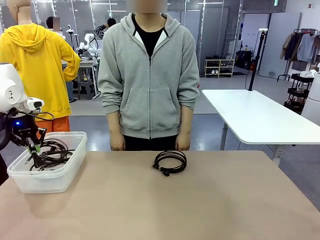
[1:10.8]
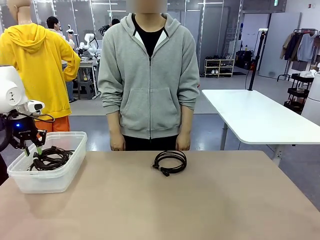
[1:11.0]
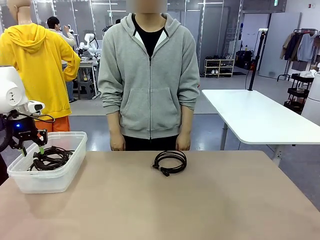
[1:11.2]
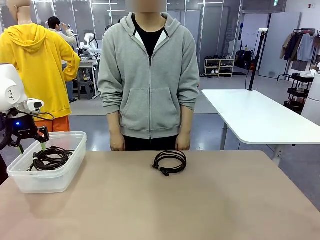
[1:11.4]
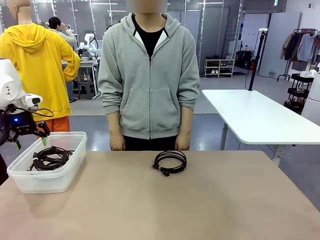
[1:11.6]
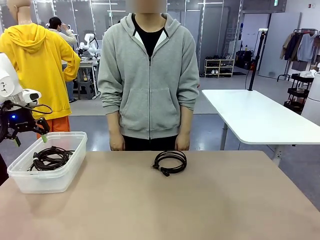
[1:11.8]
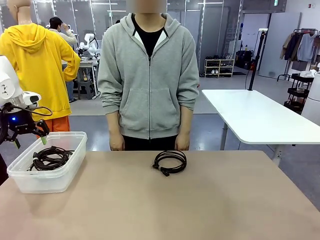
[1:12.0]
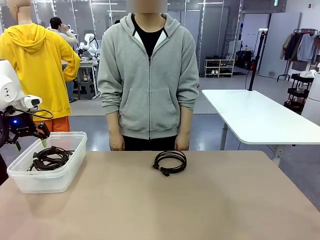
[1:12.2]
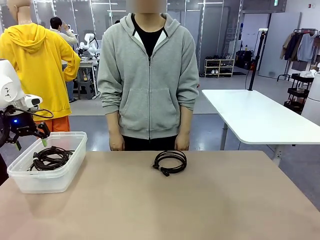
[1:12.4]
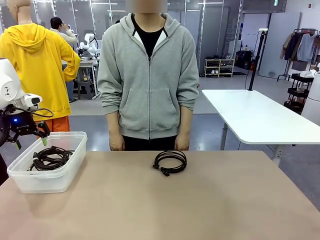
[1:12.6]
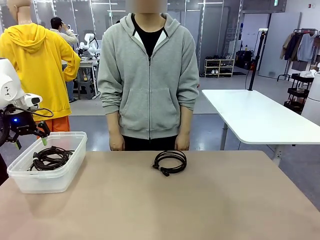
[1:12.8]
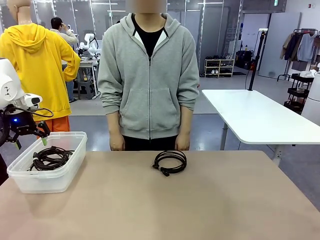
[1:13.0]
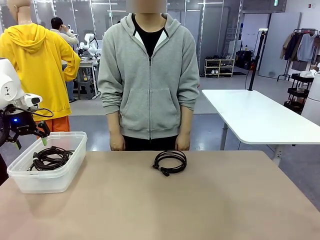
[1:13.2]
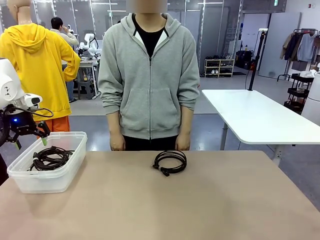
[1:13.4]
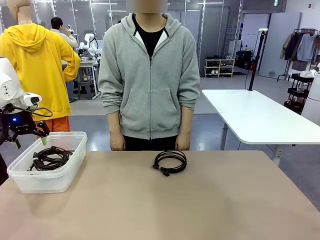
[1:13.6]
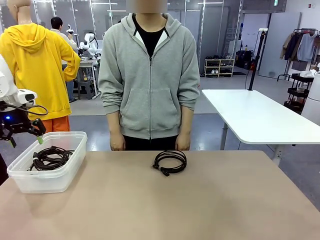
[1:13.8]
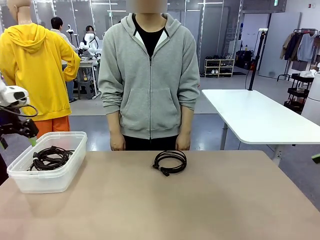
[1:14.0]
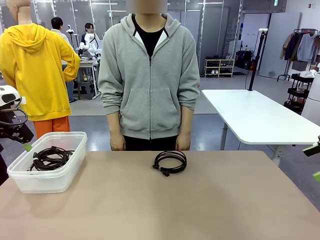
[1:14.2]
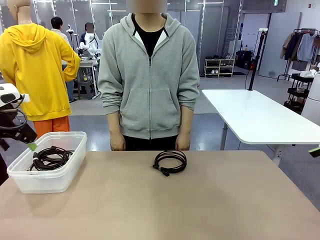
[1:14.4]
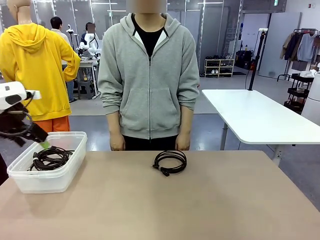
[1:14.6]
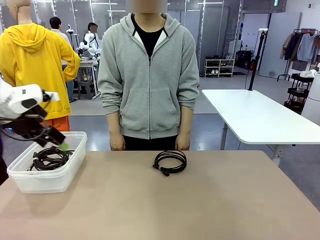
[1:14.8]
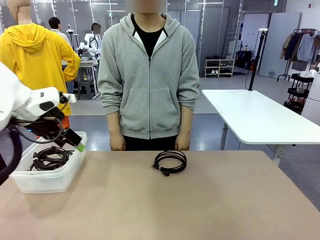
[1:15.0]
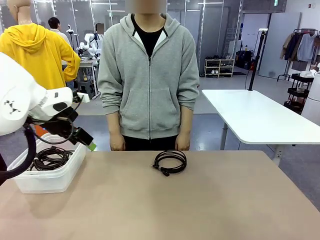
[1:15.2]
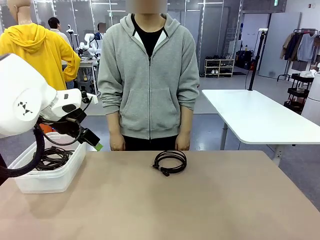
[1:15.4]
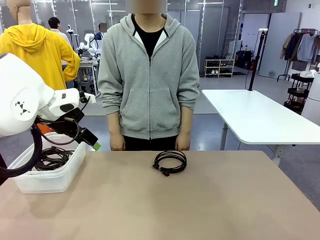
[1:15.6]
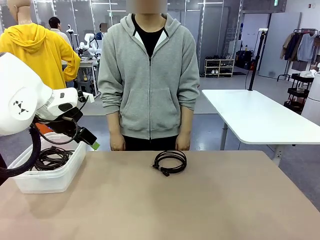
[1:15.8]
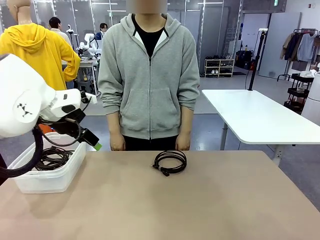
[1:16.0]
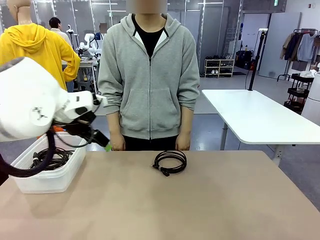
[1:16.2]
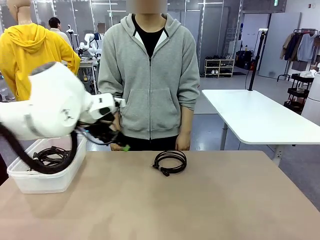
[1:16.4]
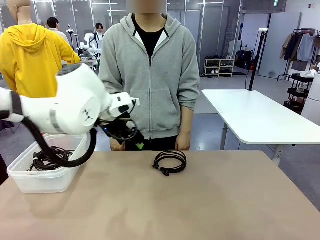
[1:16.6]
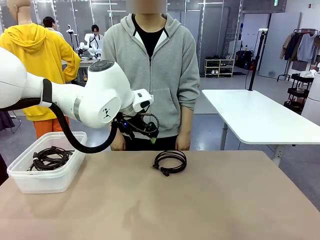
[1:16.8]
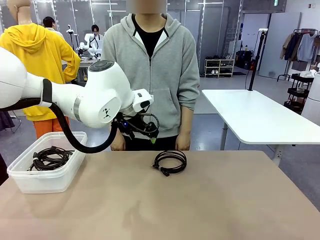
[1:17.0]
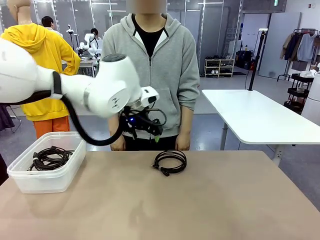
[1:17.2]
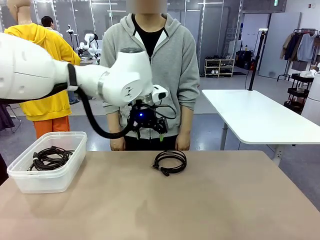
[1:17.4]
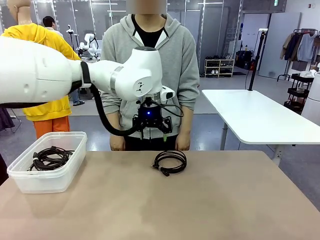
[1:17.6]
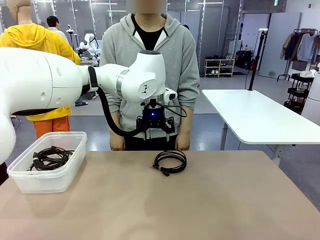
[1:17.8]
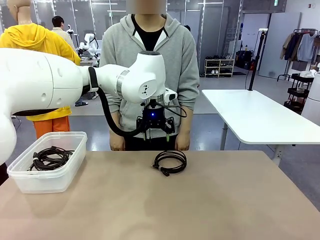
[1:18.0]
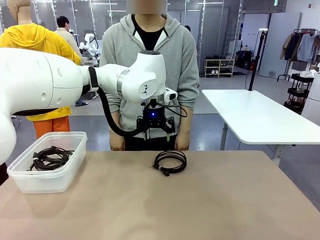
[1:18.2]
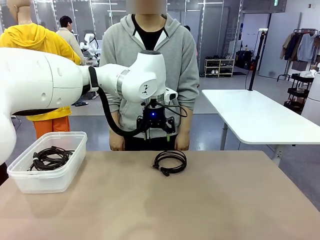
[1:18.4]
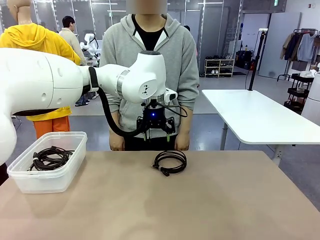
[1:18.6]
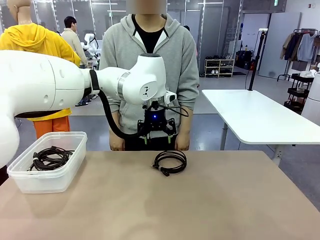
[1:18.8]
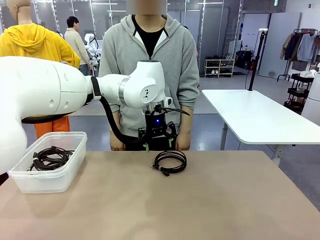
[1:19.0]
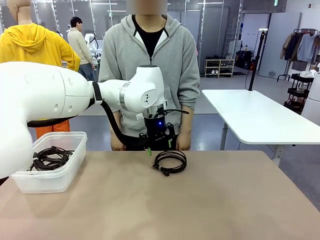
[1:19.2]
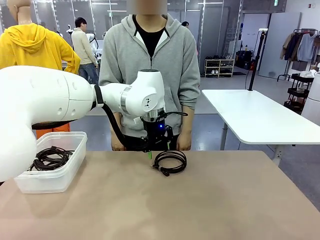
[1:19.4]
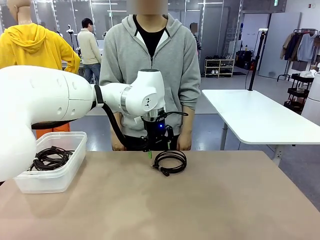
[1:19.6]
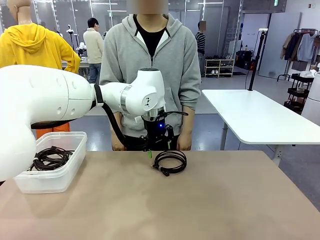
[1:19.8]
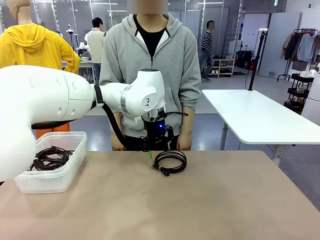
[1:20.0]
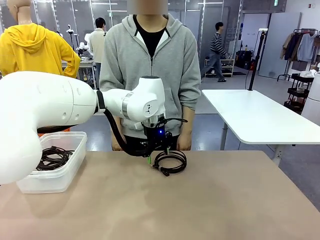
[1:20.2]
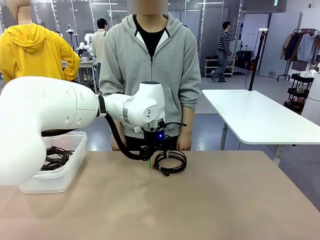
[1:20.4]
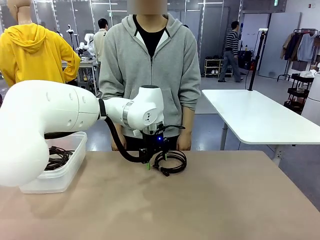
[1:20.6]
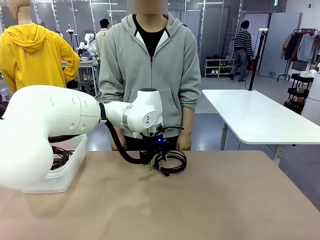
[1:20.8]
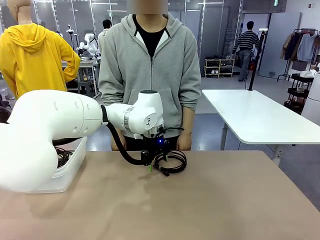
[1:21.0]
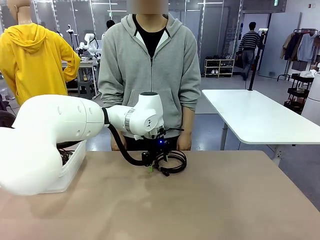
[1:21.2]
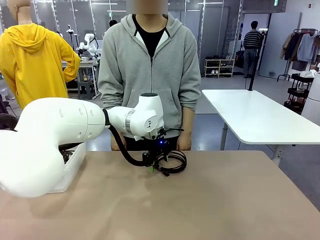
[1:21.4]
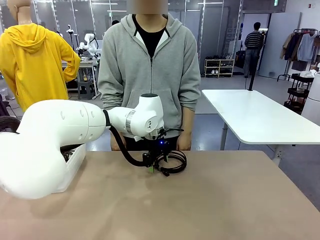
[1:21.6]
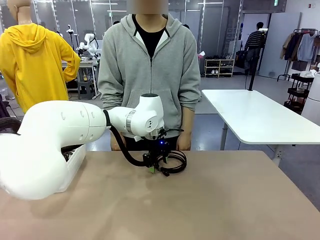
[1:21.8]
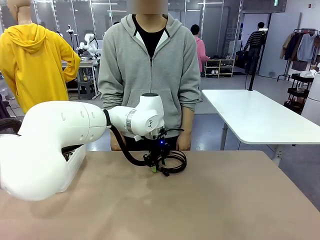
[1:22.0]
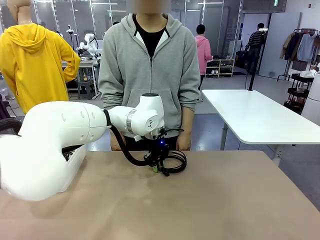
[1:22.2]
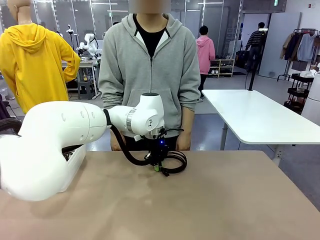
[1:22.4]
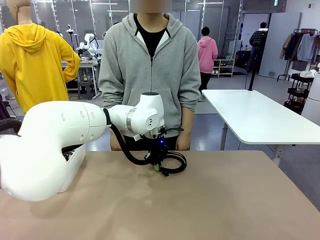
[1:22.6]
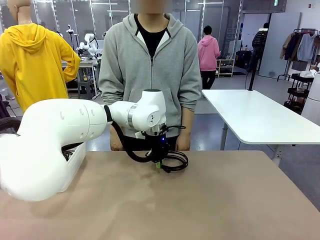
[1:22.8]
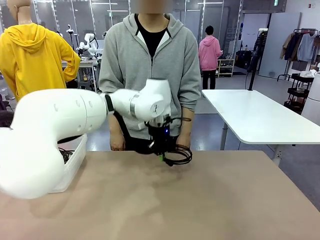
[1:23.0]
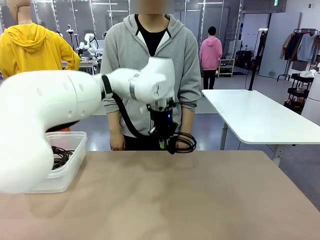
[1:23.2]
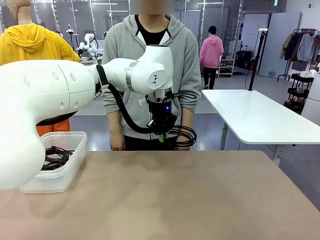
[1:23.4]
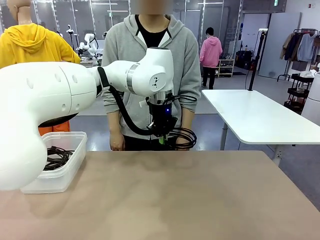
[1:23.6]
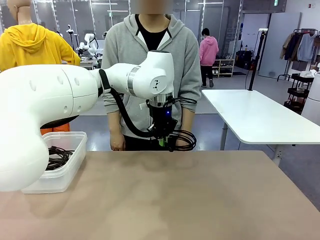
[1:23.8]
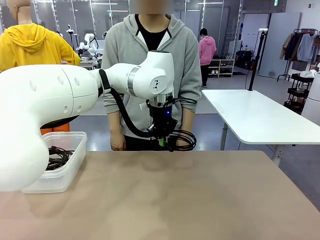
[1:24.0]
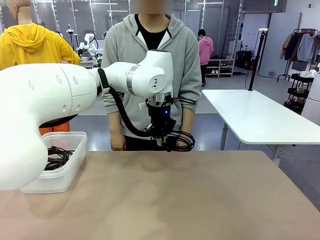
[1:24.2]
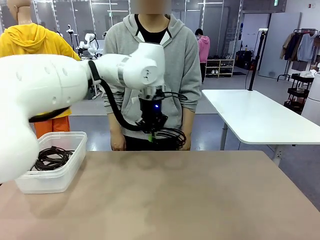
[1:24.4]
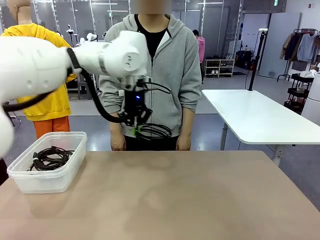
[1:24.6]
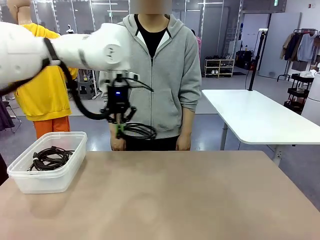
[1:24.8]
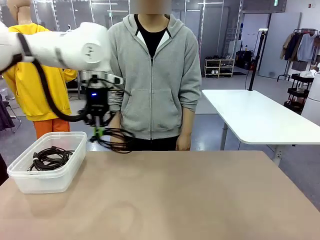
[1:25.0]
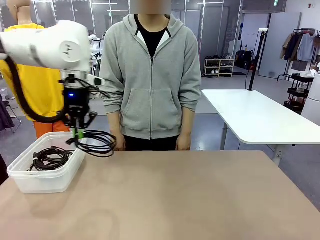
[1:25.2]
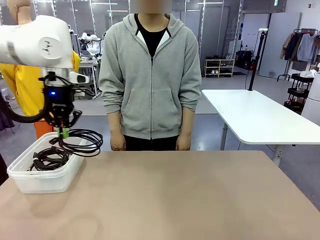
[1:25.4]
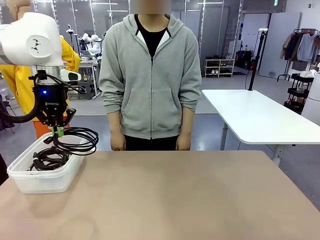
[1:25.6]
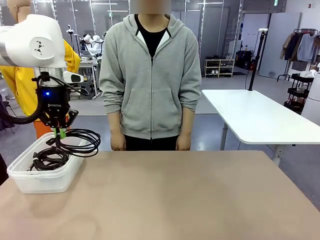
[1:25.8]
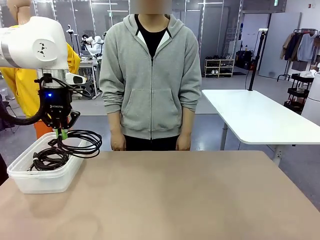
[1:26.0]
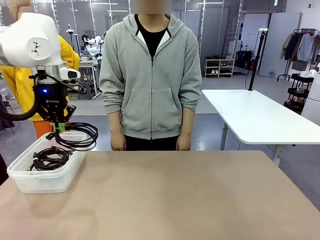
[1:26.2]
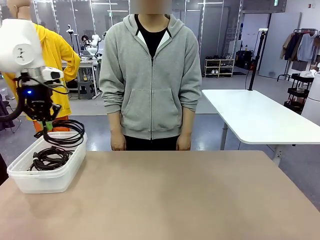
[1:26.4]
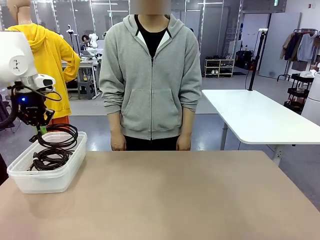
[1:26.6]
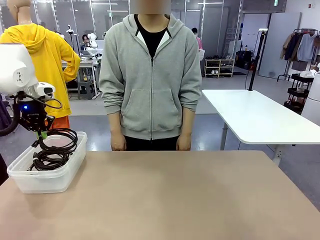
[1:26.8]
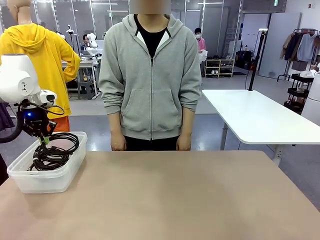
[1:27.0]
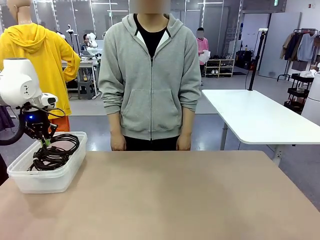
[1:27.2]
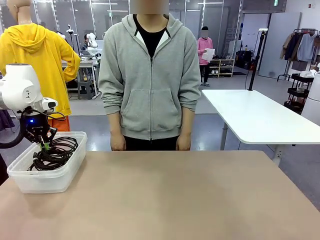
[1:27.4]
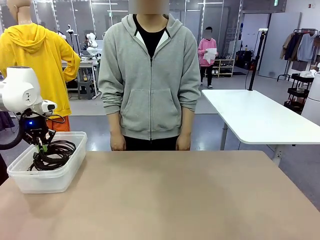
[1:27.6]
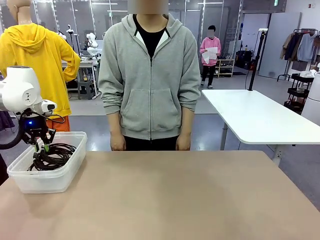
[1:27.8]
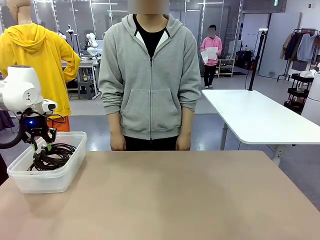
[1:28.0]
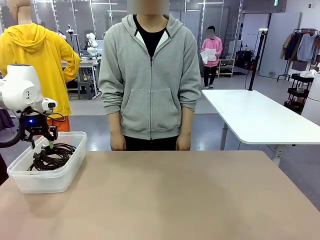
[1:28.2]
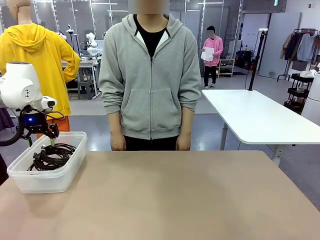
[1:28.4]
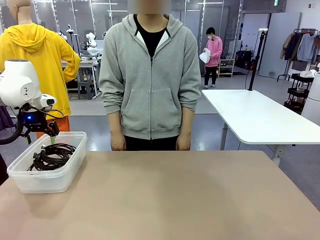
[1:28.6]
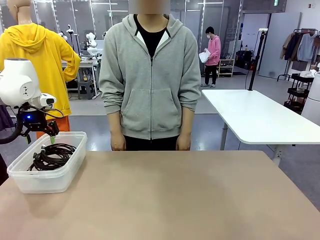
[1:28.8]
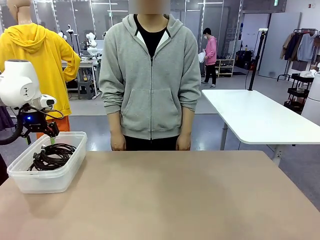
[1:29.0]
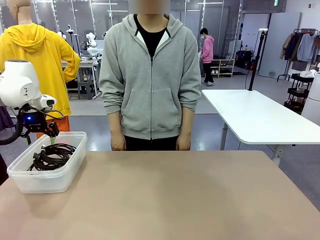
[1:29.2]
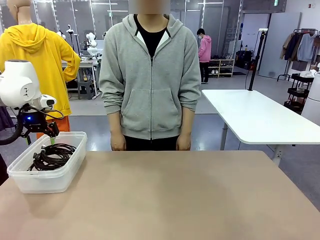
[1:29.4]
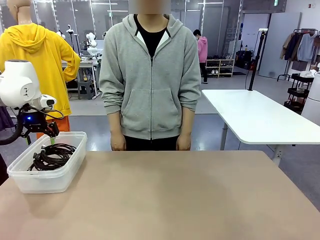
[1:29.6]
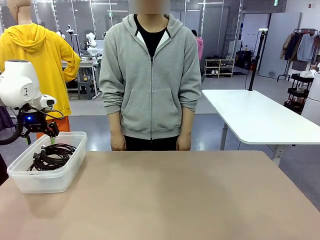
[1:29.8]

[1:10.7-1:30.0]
Task: Organize and store the cables.
Robot: Place the USB Extension Cable into the Organizing box.
